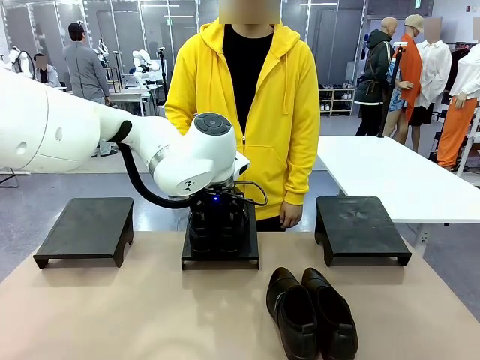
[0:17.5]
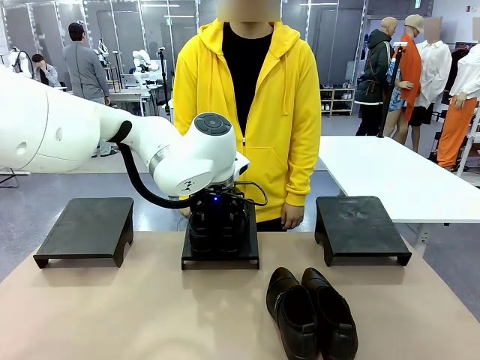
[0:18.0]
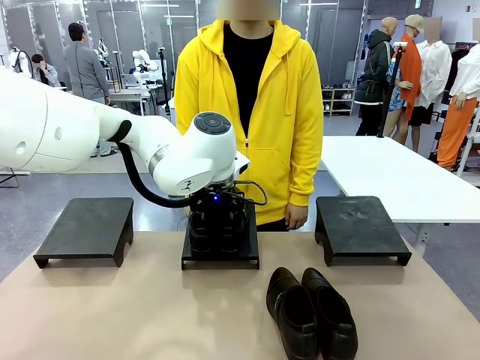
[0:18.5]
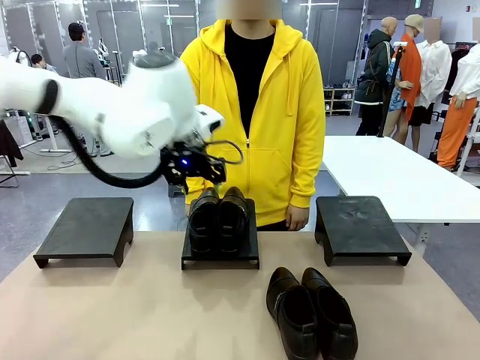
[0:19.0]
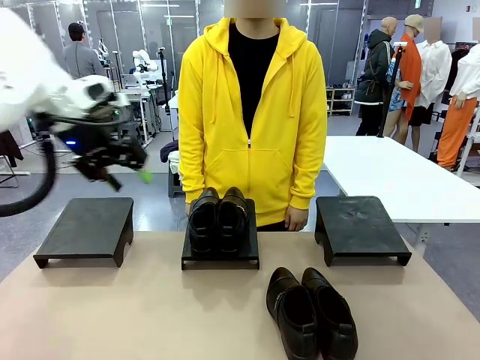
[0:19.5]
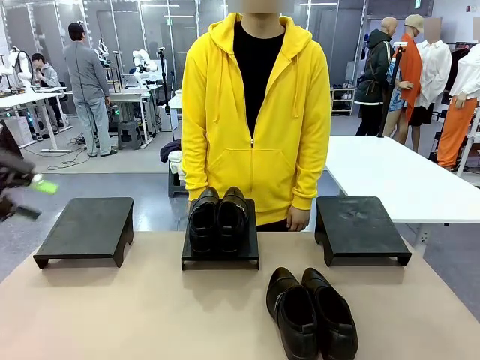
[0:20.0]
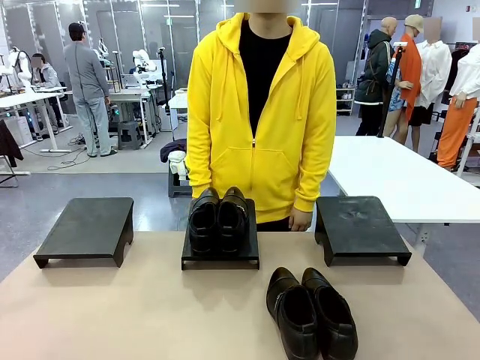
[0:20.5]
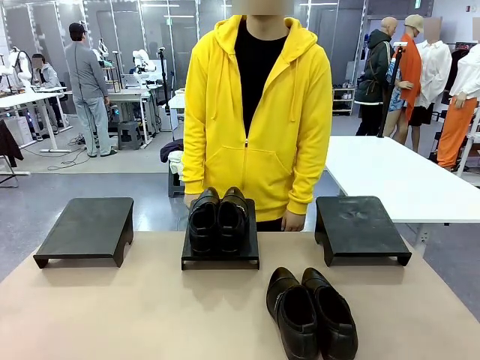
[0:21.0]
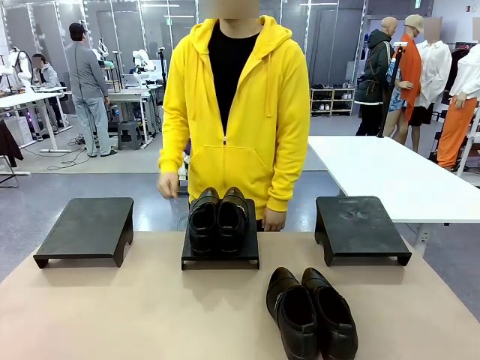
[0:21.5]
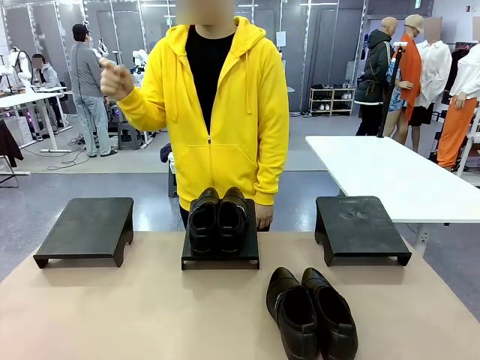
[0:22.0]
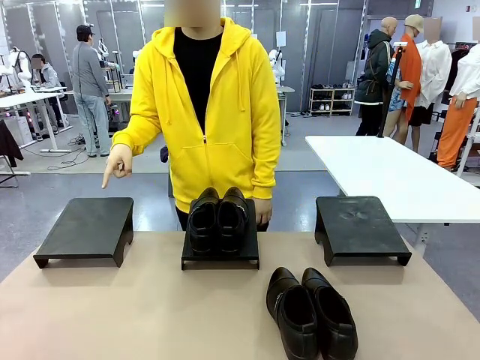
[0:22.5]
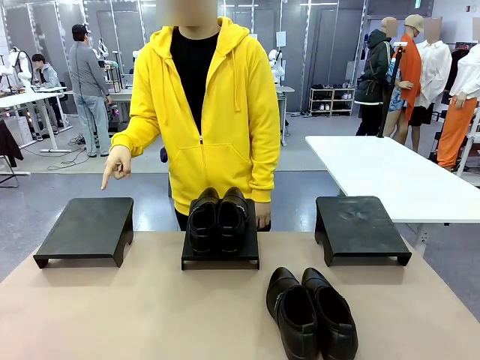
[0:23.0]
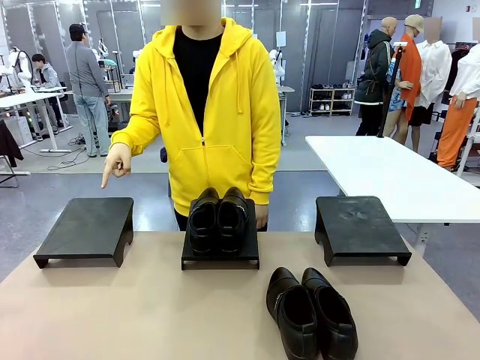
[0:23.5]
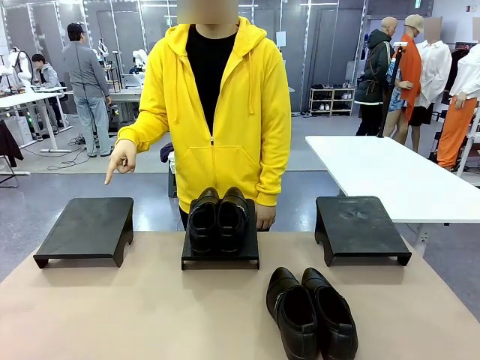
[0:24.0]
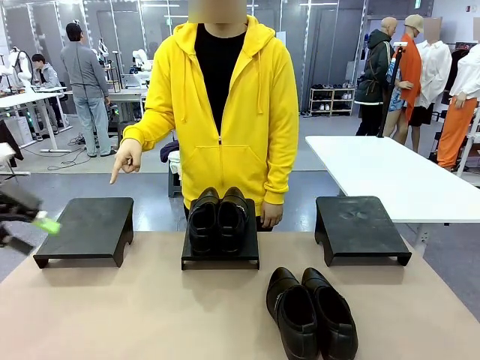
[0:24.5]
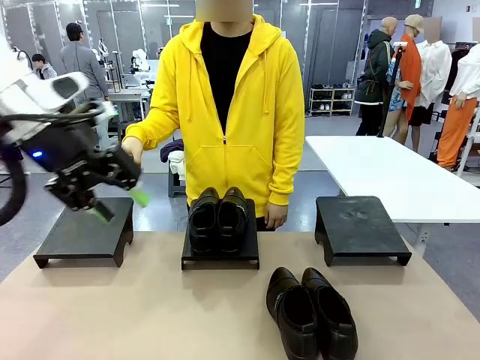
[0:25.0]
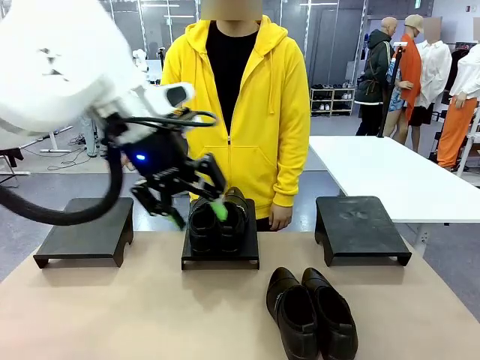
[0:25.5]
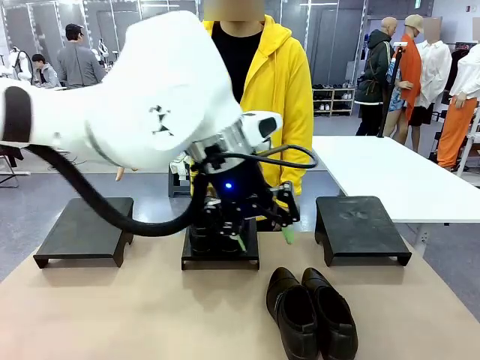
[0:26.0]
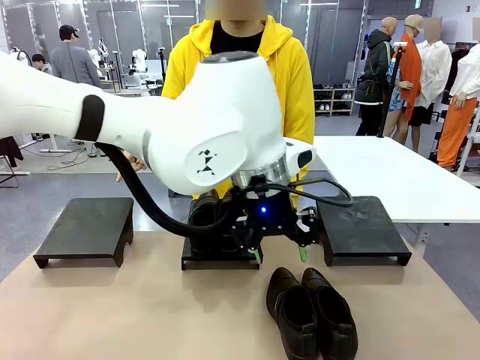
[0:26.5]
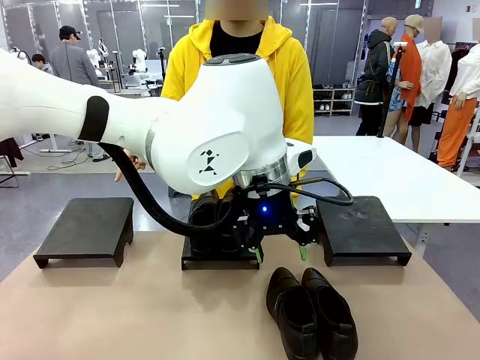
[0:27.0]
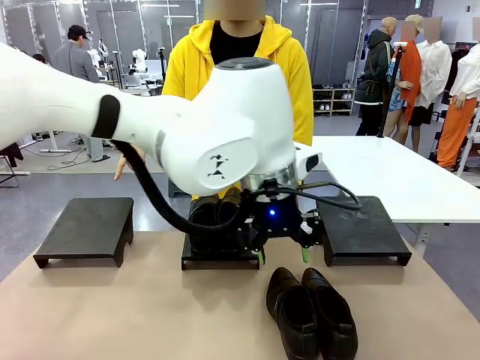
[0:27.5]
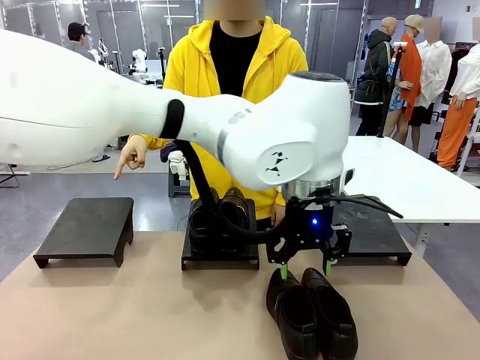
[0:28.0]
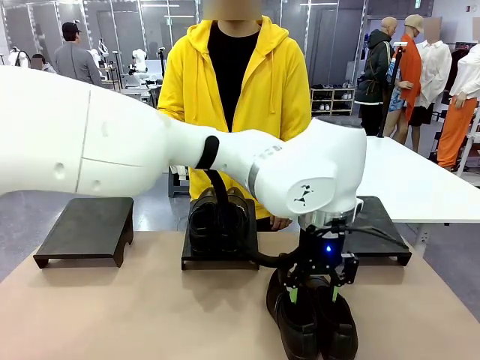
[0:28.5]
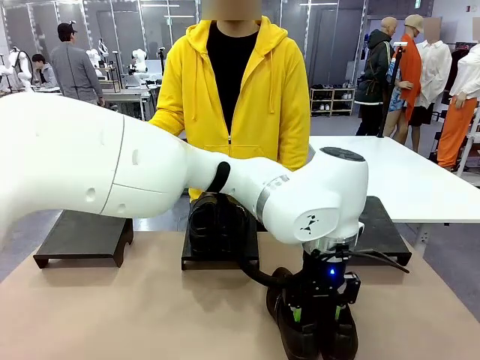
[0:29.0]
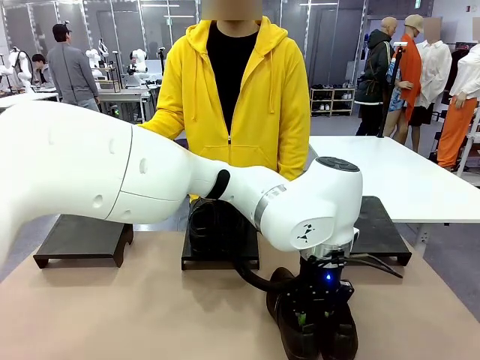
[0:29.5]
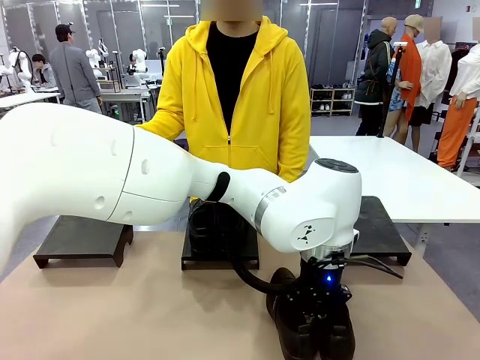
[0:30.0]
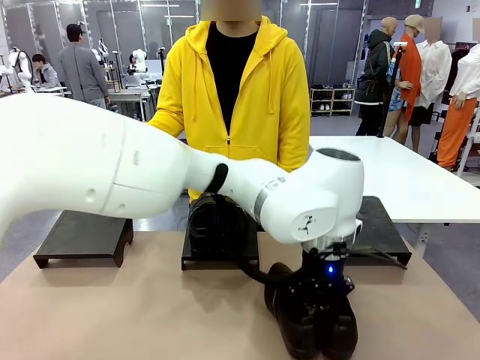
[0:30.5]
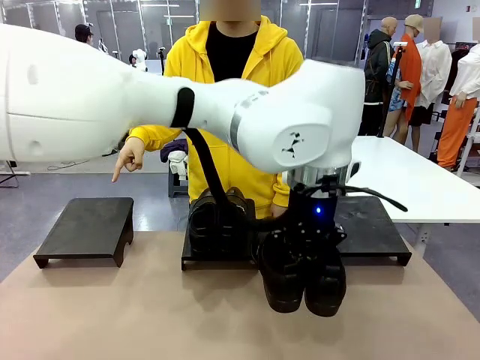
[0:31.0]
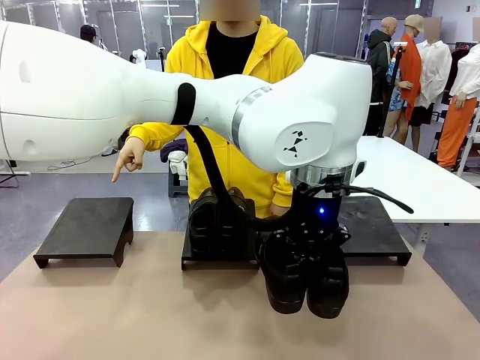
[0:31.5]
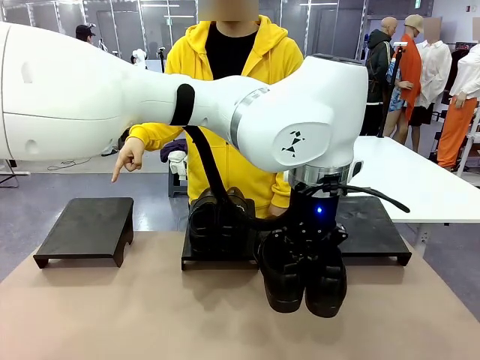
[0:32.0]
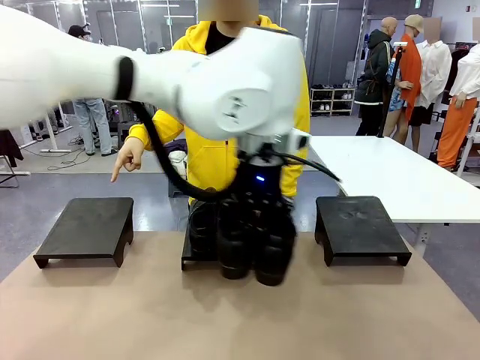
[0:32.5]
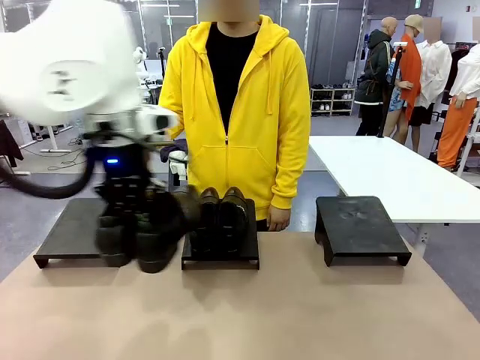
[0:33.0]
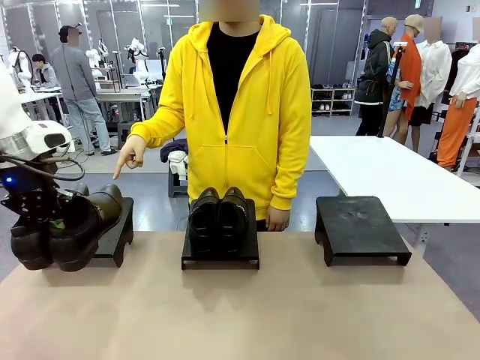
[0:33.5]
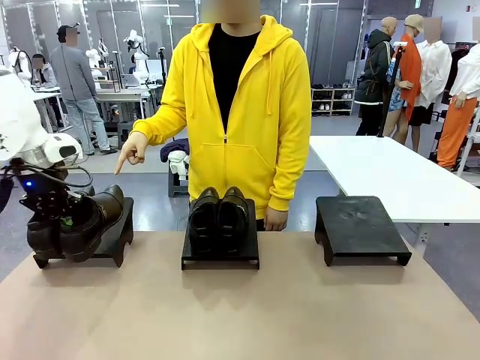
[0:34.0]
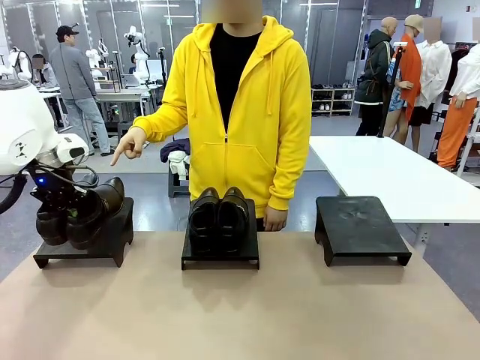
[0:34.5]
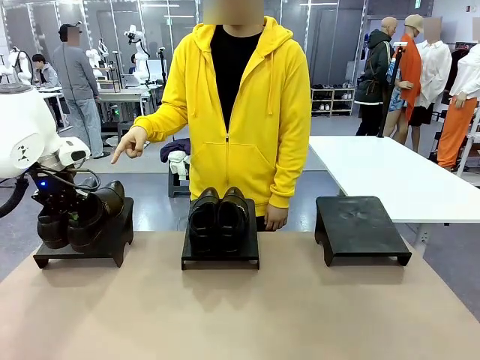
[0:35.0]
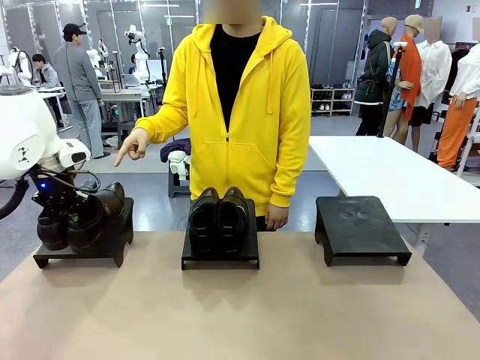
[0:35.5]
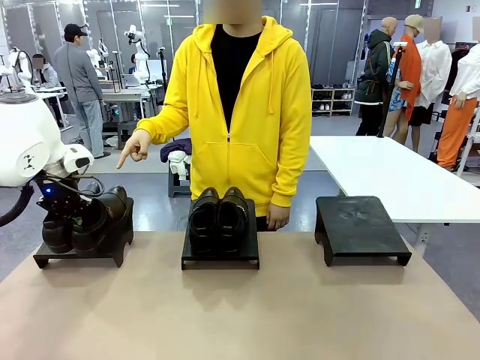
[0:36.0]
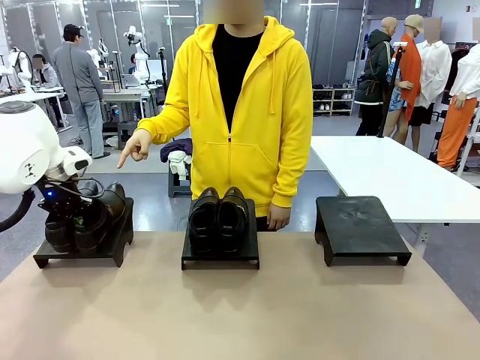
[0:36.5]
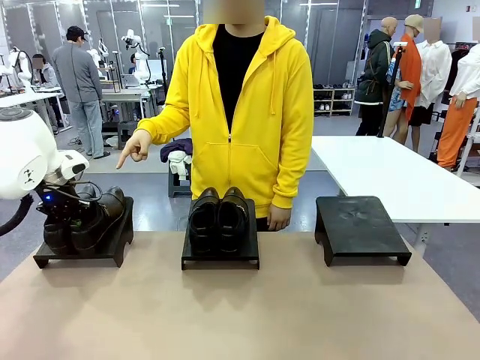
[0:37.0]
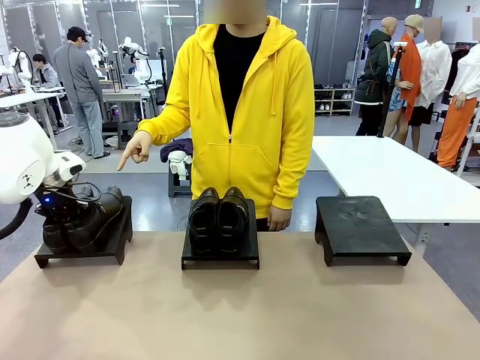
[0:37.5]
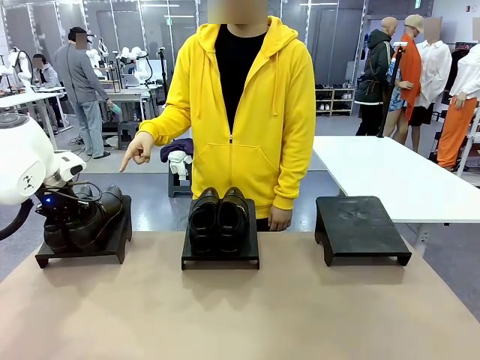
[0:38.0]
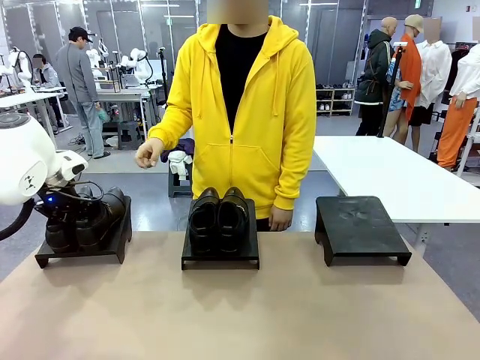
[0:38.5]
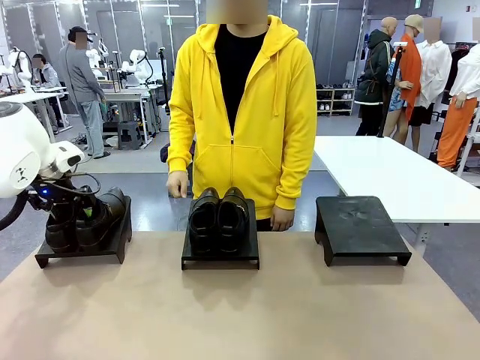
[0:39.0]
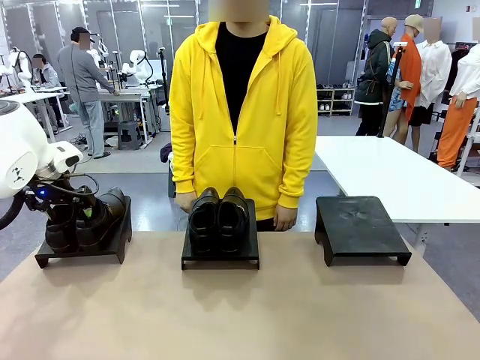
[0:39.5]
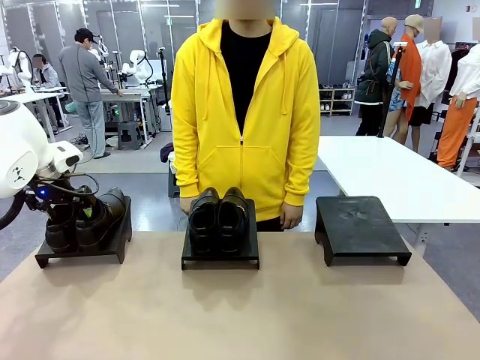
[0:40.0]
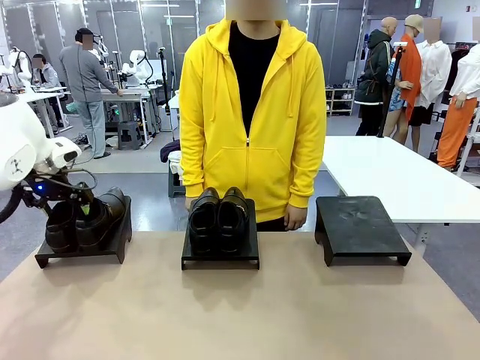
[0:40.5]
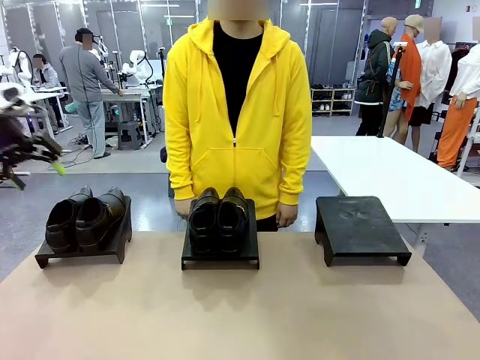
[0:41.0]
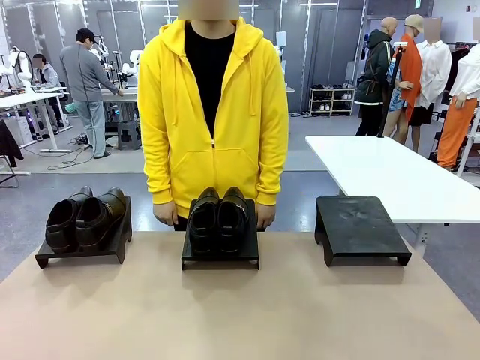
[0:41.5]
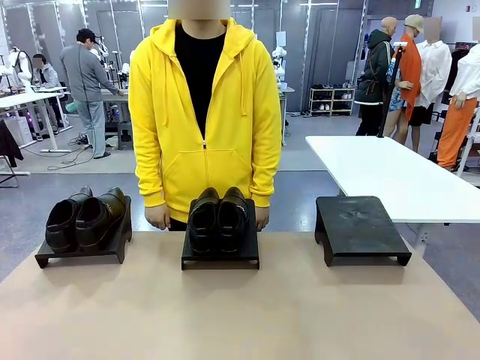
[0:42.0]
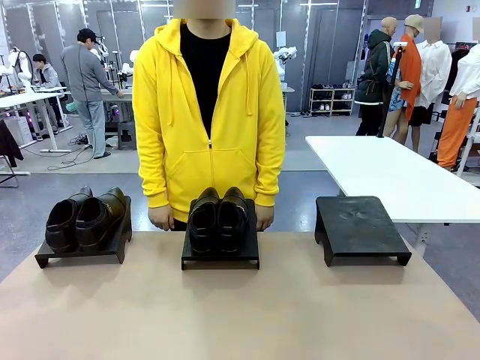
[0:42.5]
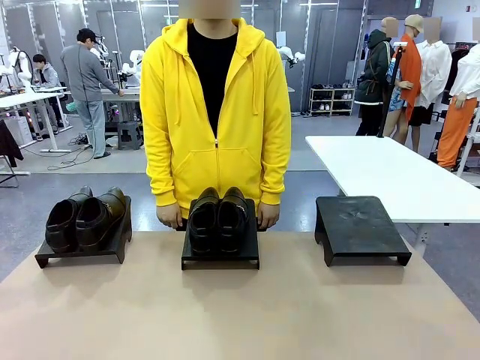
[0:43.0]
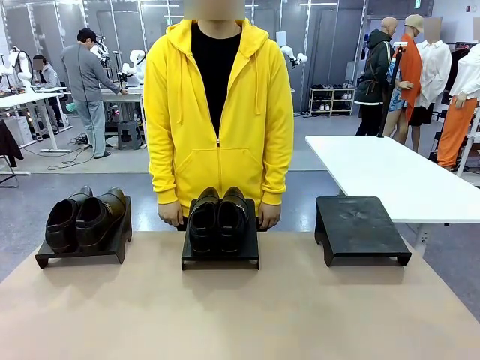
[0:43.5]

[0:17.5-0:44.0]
Task: Place the shoes on the stand as instructed by the person.
Robot: Pick up another pair of Shoes and place it on the Shoes Stand indicated by the person.
Person: Point to one Shoes Stand.
